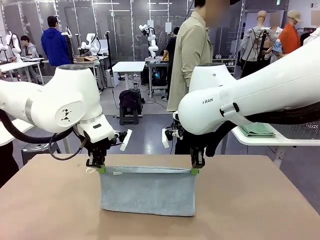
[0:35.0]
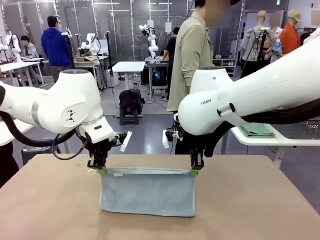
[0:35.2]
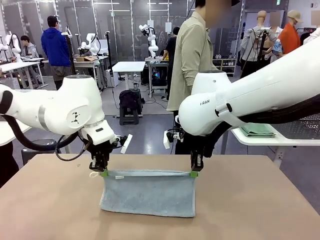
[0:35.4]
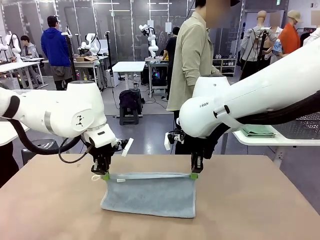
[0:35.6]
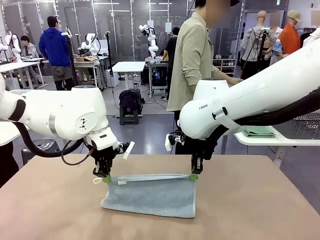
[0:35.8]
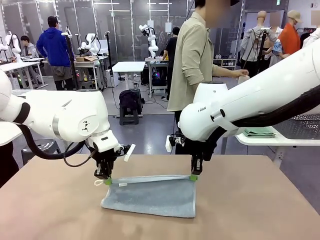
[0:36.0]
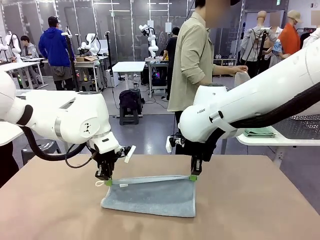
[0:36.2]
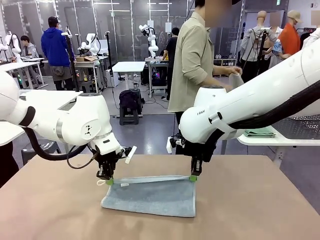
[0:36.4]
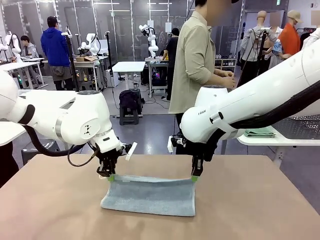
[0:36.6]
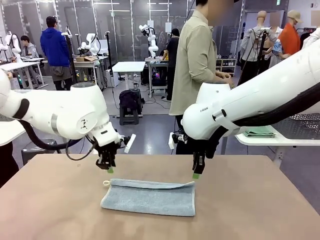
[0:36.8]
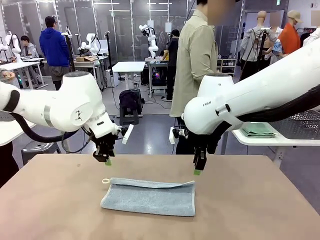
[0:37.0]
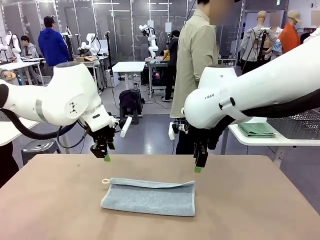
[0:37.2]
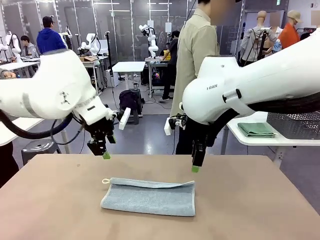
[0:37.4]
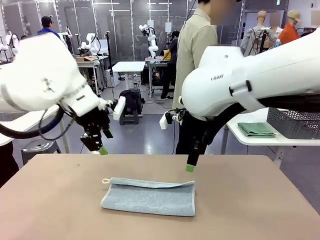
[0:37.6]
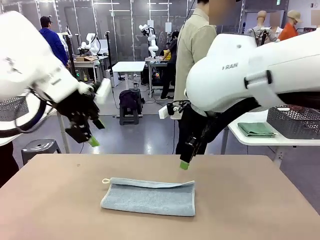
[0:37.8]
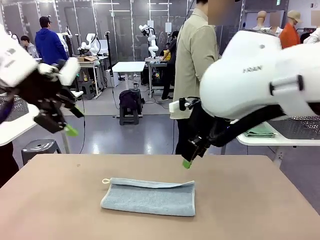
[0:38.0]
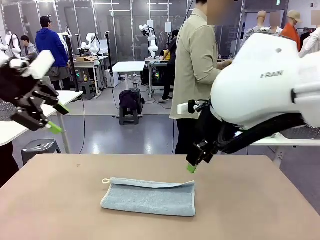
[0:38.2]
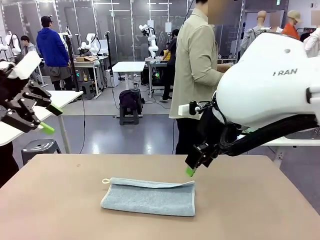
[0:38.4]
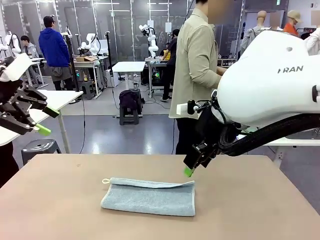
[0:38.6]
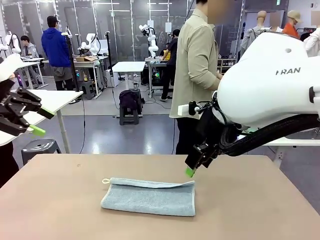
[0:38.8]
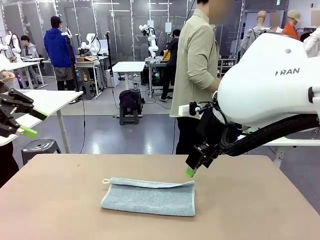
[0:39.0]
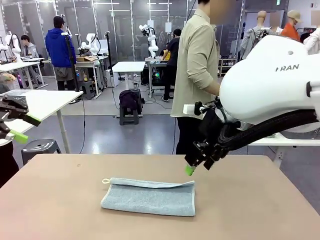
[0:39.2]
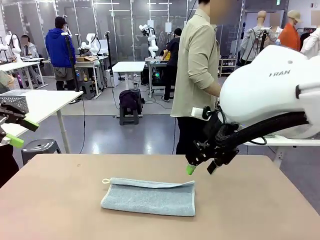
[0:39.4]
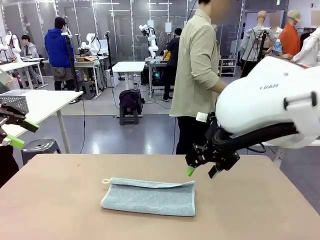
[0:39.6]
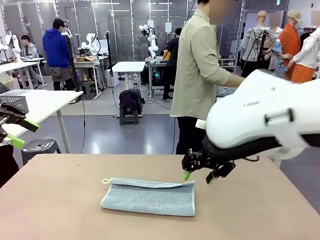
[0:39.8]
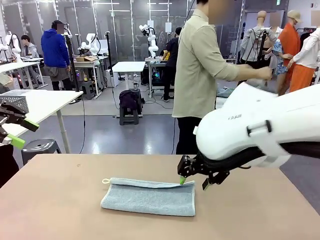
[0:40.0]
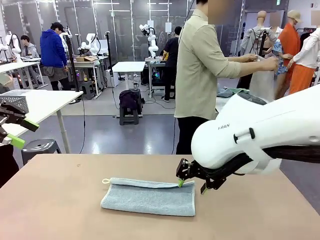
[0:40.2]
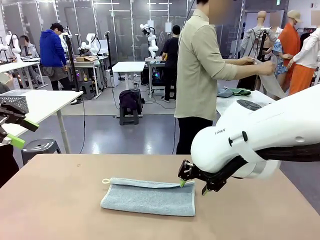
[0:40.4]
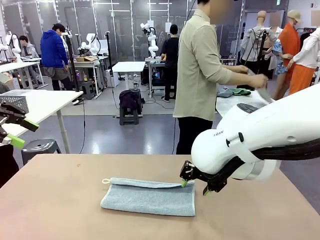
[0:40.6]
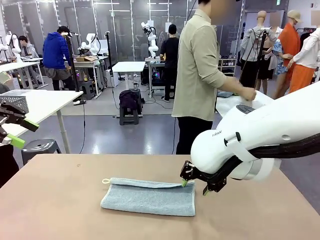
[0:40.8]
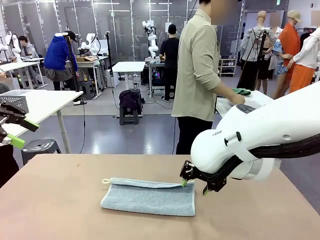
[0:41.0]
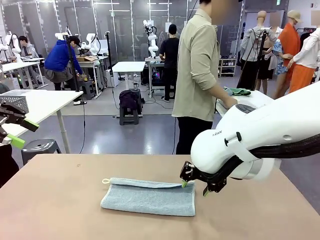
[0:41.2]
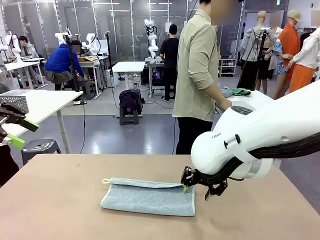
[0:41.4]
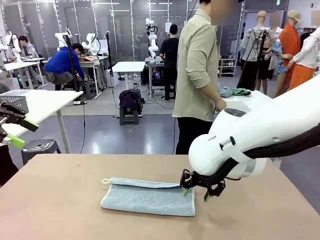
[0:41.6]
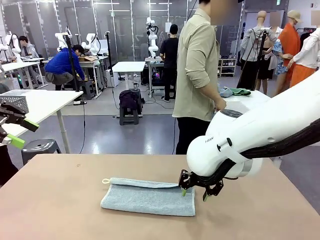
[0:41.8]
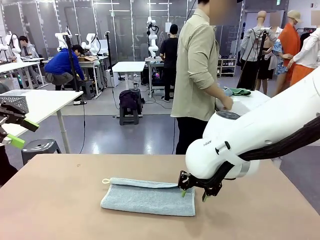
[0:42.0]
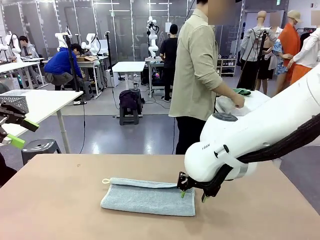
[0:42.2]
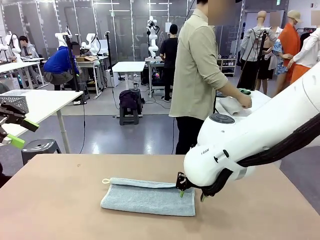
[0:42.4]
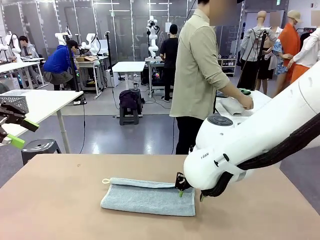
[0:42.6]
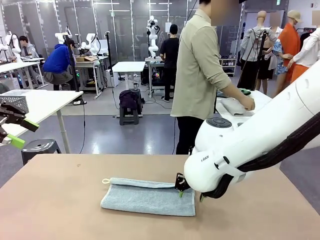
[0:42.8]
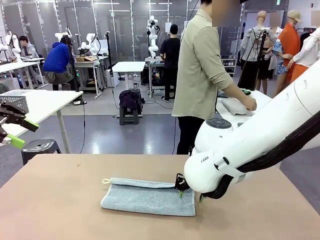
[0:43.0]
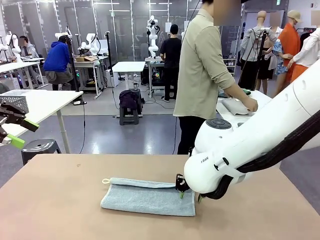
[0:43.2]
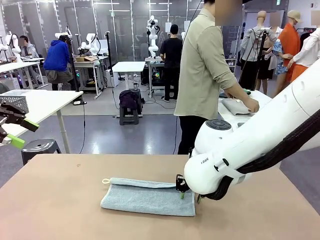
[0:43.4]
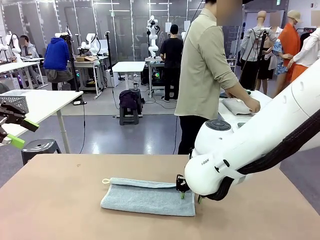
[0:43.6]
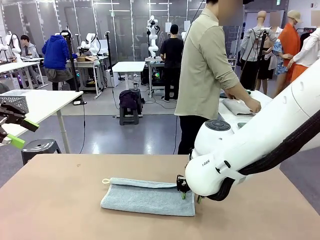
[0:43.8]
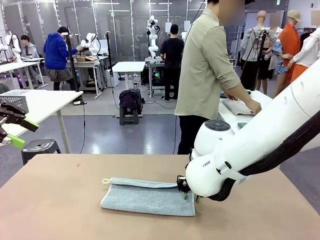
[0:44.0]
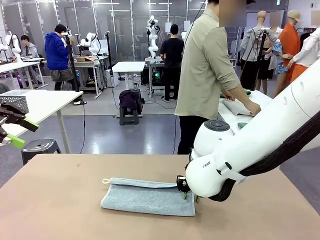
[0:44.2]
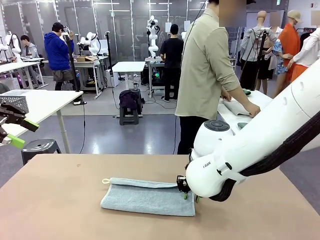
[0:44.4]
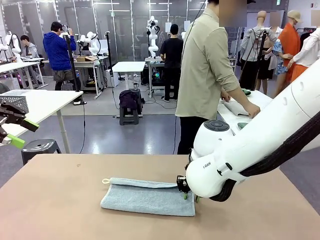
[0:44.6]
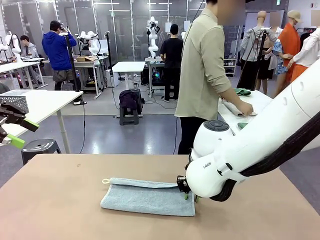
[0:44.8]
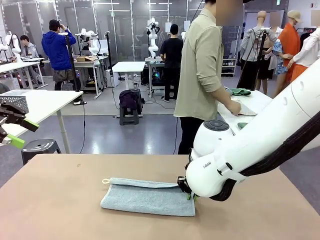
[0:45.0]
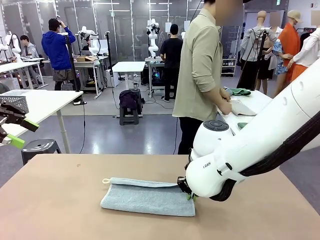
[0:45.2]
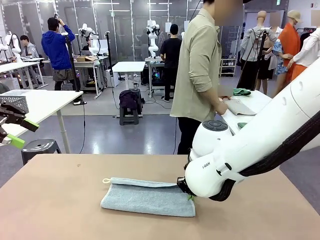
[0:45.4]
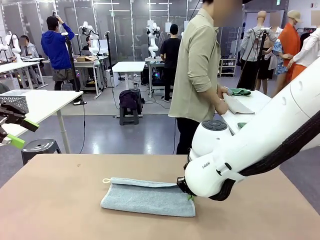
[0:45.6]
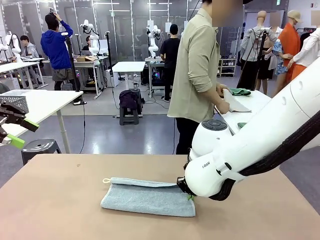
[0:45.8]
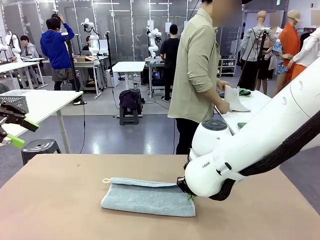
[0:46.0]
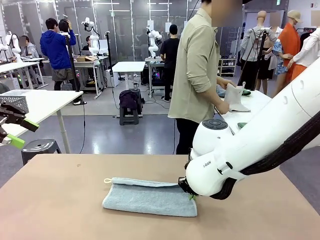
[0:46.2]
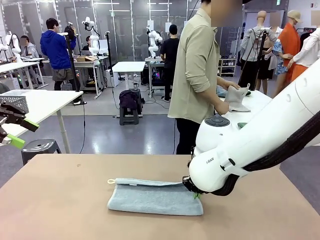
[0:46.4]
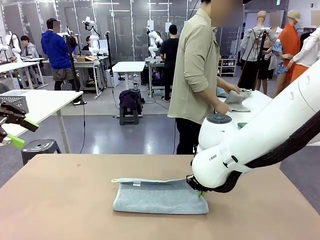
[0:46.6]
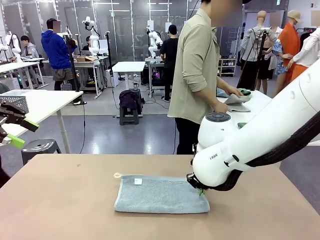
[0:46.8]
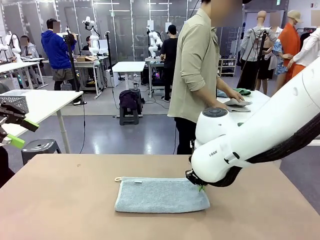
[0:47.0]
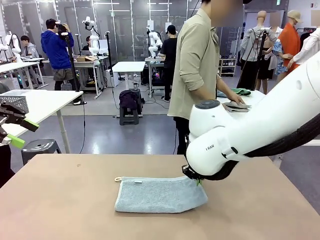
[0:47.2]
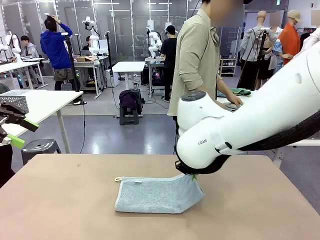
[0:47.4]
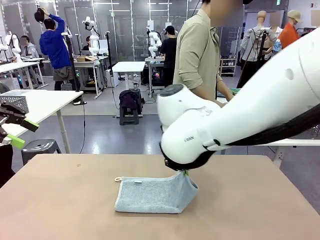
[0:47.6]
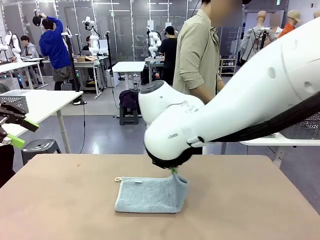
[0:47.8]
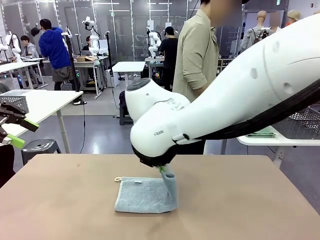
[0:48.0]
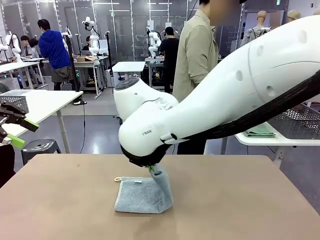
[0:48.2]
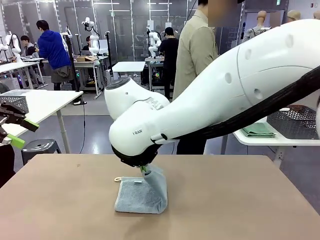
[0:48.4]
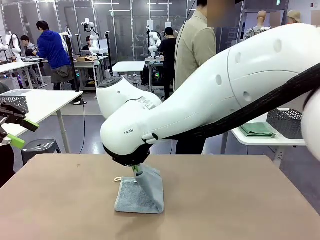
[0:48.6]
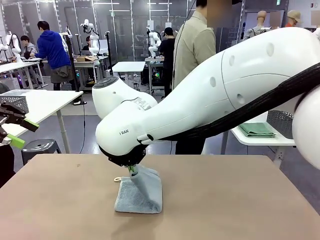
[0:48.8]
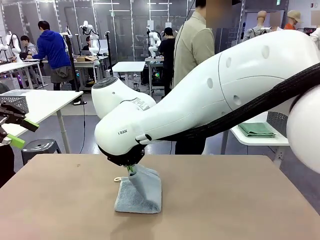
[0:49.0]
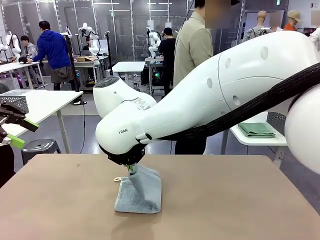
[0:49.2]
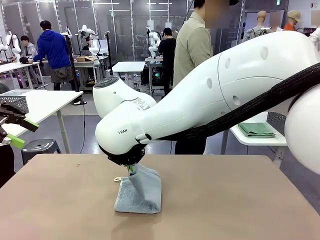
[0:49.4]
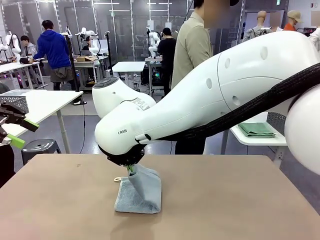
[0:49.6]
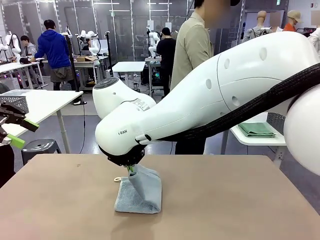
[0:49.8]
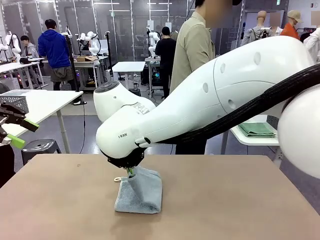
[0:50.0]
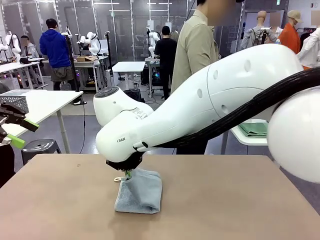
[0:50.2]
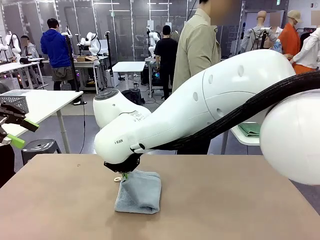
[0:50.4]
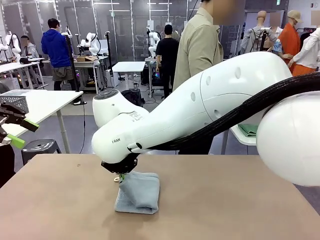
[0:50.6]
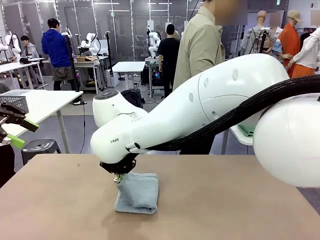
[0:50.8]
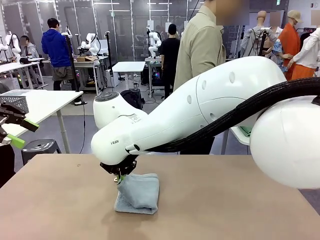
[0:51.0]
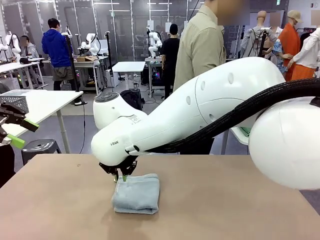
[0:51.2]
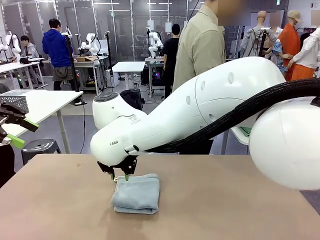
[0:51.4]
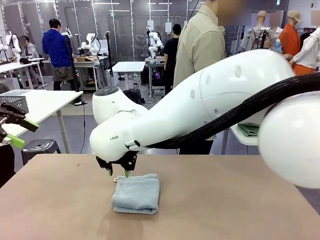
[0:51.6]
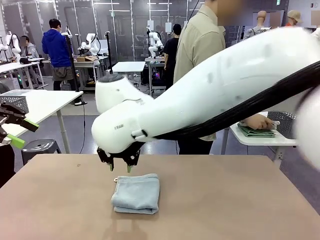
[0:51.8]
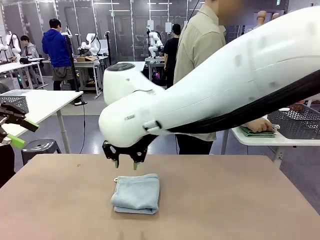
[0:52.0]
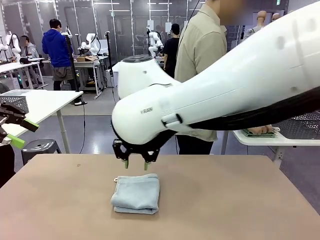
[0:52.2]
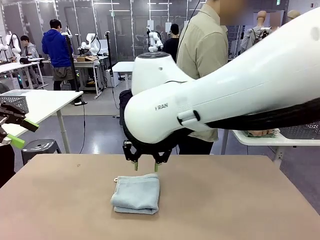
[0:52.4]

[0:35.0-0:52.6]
Task: Fold the towels and place them in the basket.
Robot: When a person lays out a Towel with hook on the table, fold it in half twice.
Person: Pick up one towel from the left side of the human table, fold it in half twice, and stack it on the right side of the table.
